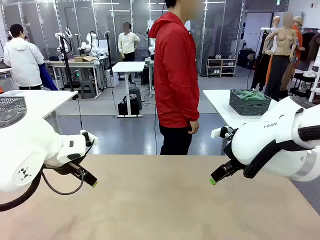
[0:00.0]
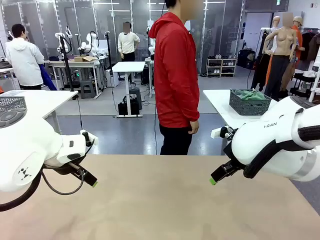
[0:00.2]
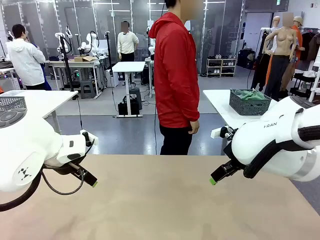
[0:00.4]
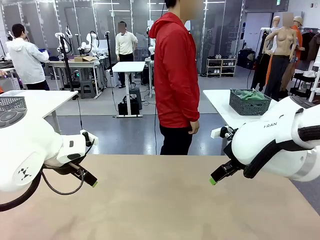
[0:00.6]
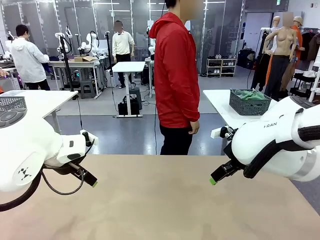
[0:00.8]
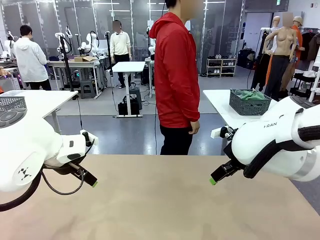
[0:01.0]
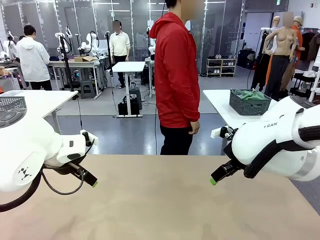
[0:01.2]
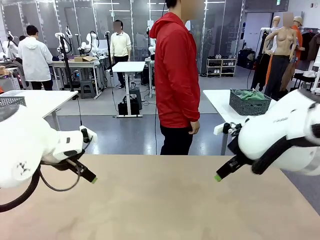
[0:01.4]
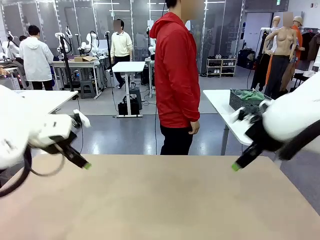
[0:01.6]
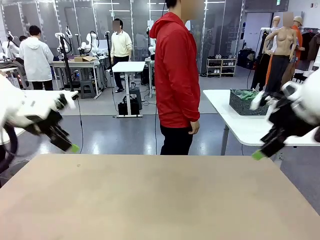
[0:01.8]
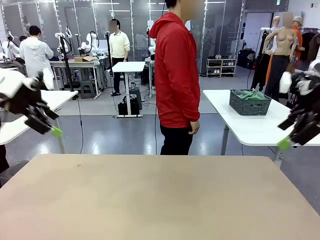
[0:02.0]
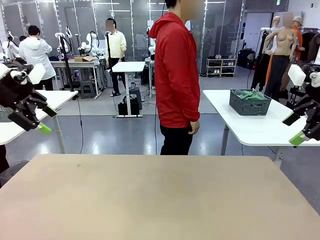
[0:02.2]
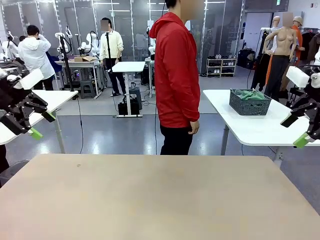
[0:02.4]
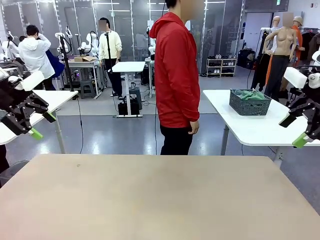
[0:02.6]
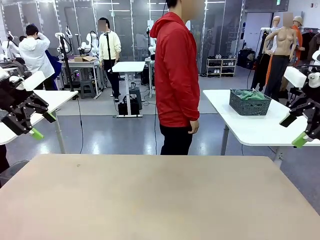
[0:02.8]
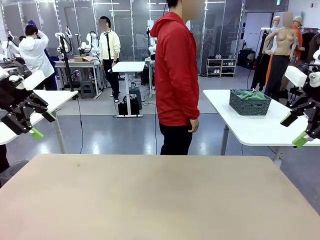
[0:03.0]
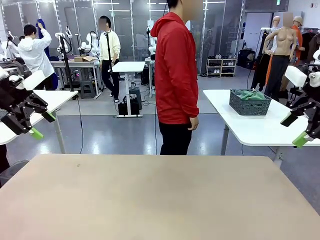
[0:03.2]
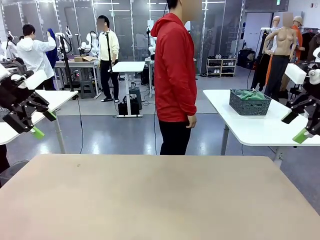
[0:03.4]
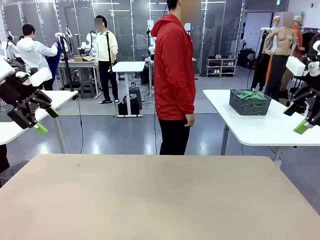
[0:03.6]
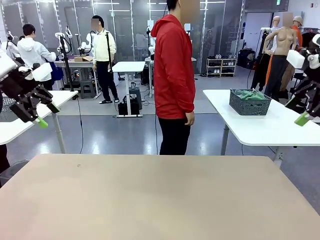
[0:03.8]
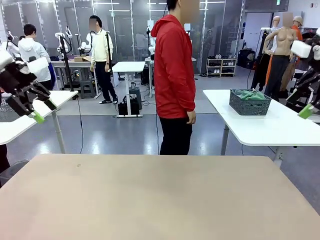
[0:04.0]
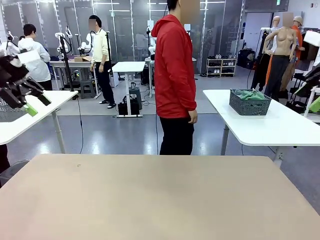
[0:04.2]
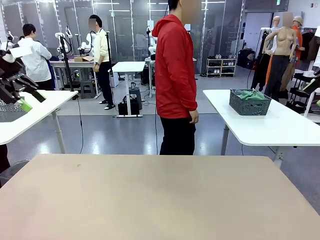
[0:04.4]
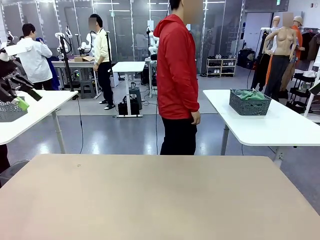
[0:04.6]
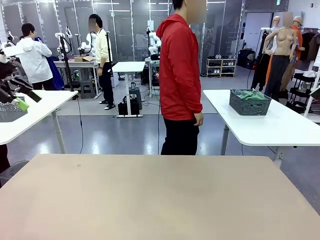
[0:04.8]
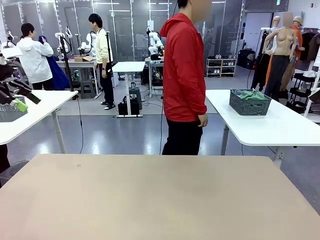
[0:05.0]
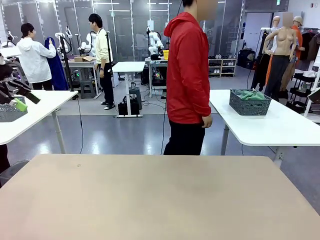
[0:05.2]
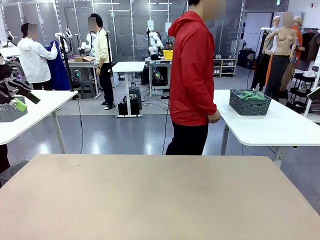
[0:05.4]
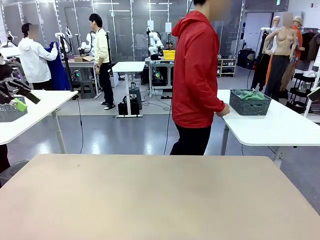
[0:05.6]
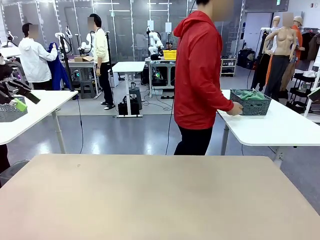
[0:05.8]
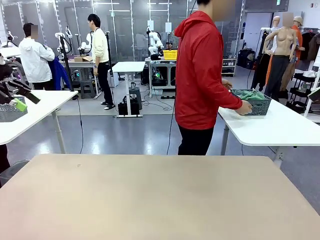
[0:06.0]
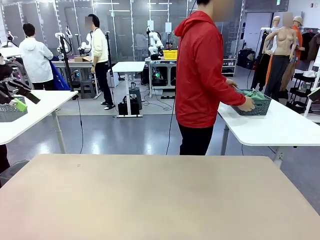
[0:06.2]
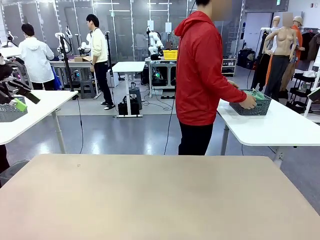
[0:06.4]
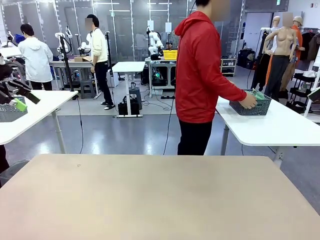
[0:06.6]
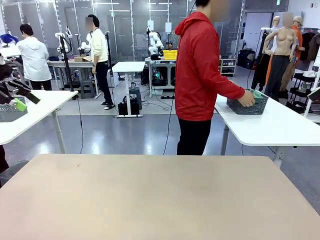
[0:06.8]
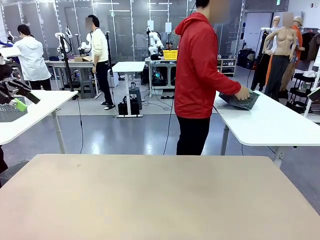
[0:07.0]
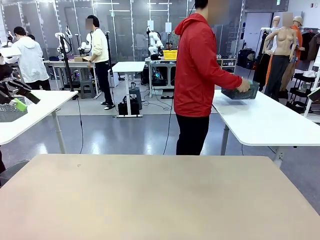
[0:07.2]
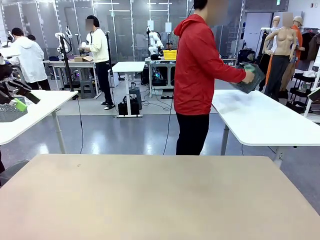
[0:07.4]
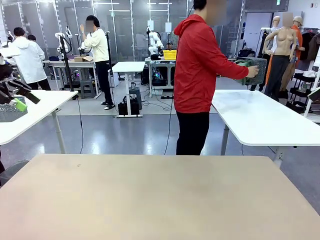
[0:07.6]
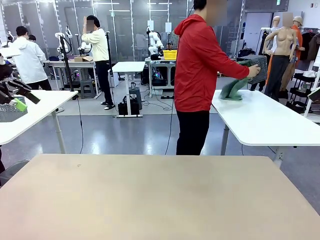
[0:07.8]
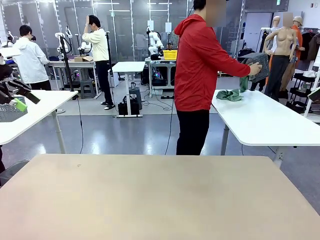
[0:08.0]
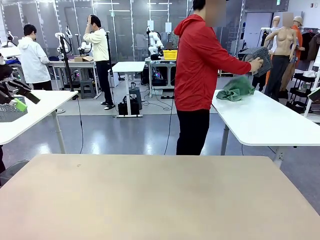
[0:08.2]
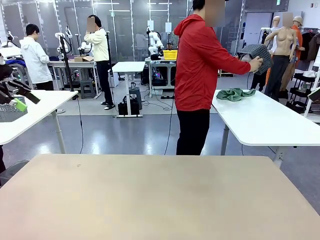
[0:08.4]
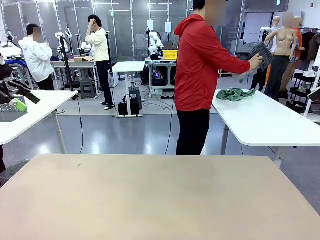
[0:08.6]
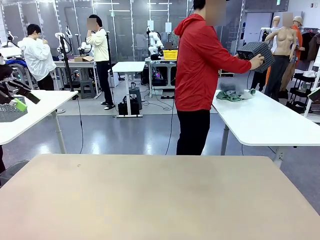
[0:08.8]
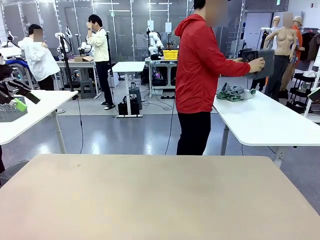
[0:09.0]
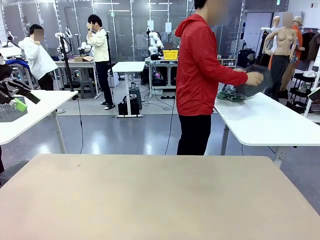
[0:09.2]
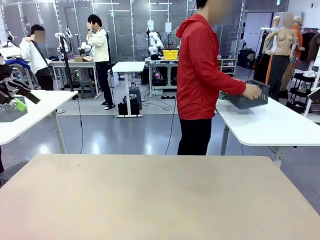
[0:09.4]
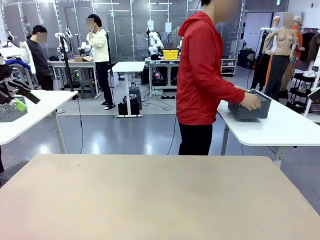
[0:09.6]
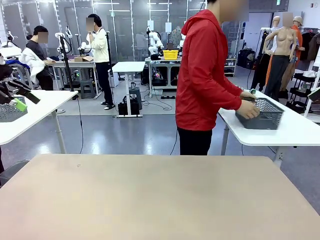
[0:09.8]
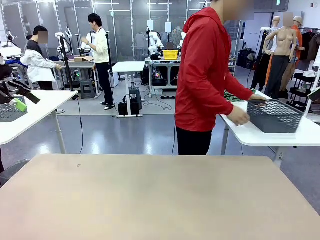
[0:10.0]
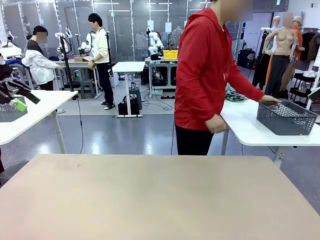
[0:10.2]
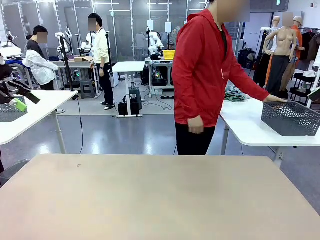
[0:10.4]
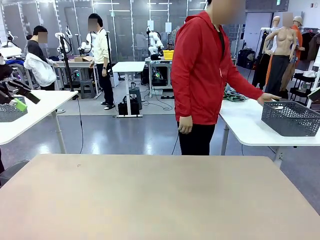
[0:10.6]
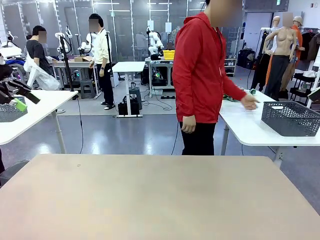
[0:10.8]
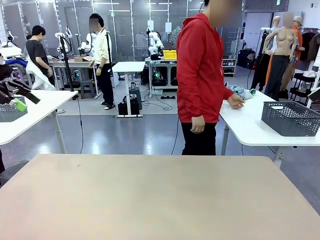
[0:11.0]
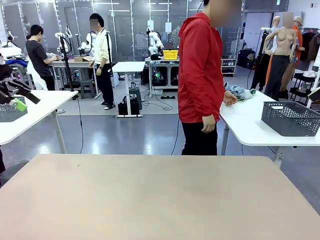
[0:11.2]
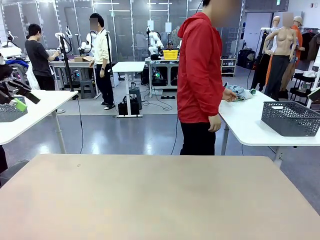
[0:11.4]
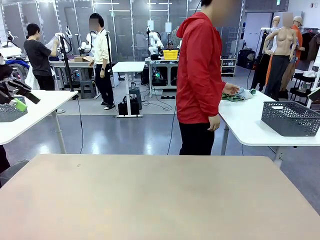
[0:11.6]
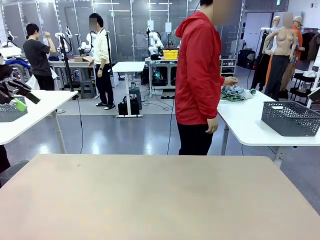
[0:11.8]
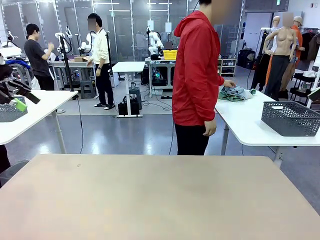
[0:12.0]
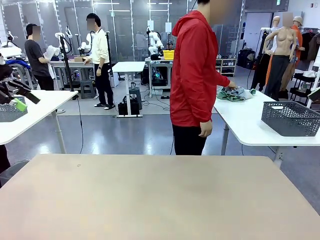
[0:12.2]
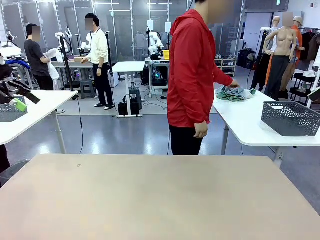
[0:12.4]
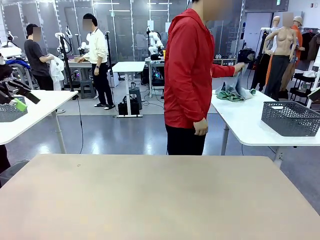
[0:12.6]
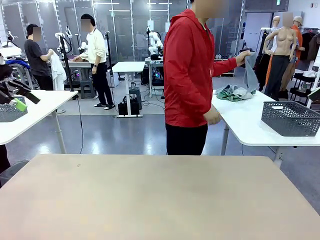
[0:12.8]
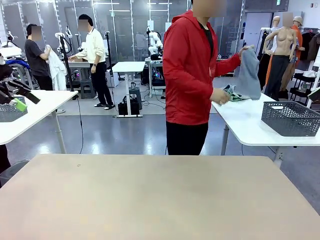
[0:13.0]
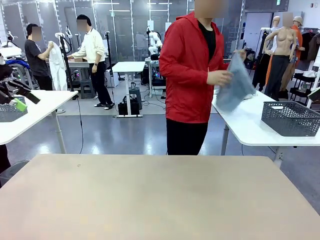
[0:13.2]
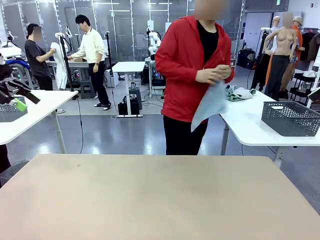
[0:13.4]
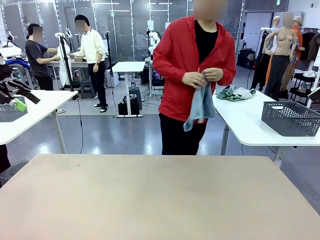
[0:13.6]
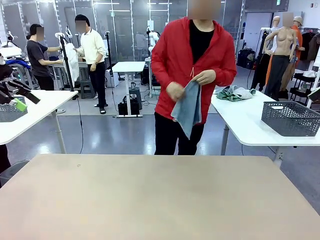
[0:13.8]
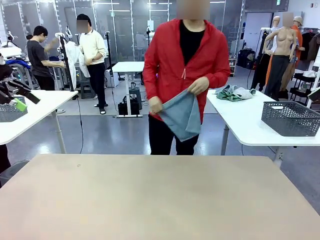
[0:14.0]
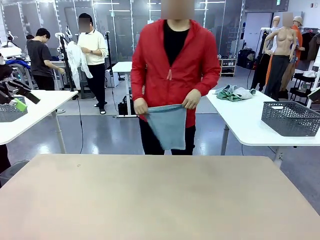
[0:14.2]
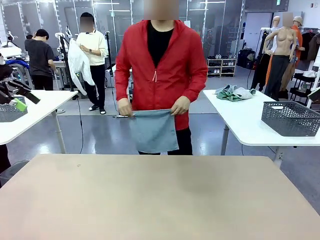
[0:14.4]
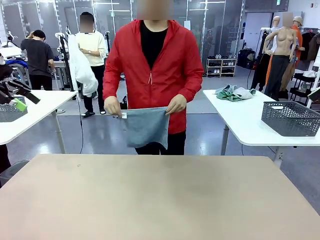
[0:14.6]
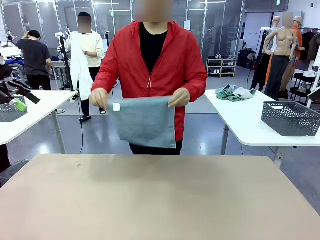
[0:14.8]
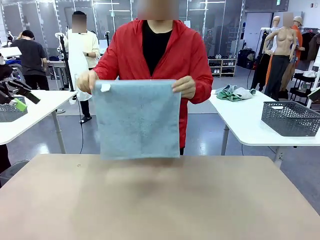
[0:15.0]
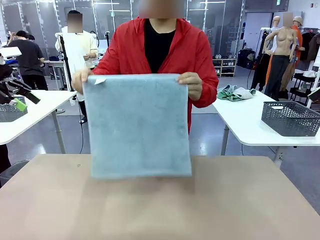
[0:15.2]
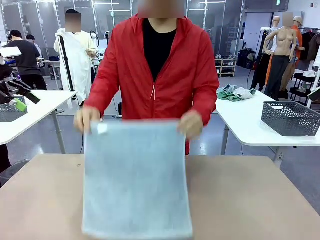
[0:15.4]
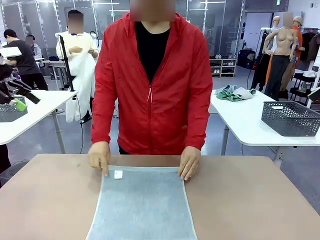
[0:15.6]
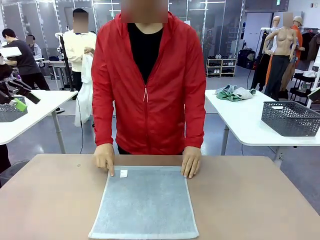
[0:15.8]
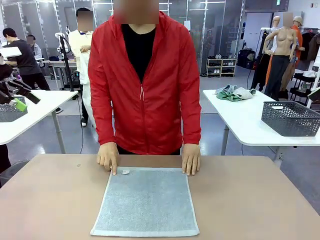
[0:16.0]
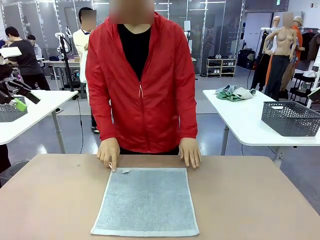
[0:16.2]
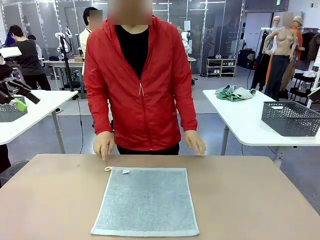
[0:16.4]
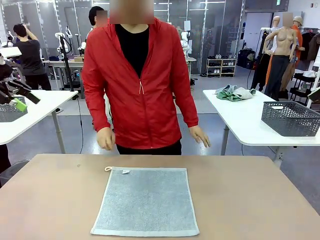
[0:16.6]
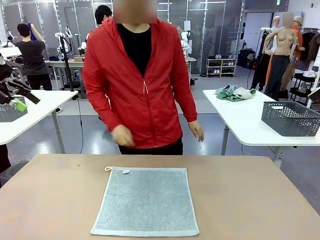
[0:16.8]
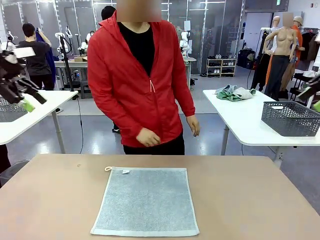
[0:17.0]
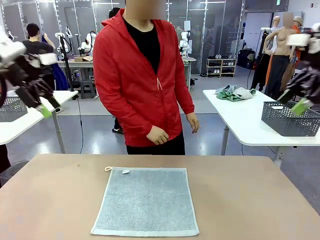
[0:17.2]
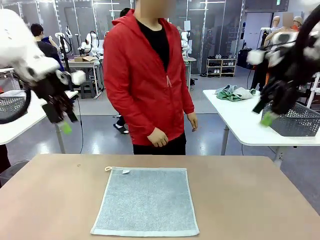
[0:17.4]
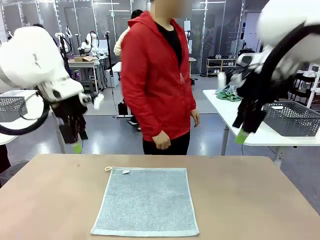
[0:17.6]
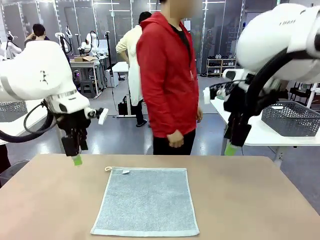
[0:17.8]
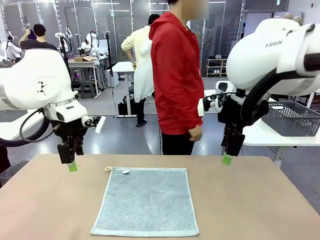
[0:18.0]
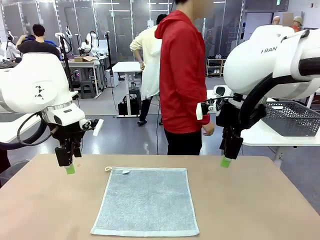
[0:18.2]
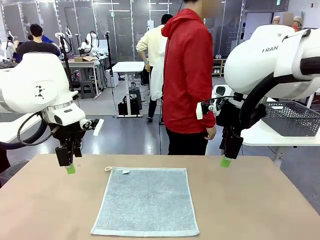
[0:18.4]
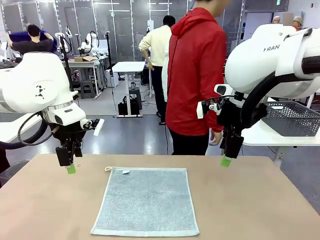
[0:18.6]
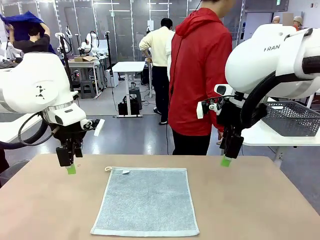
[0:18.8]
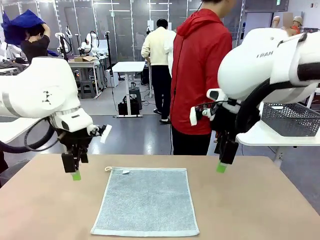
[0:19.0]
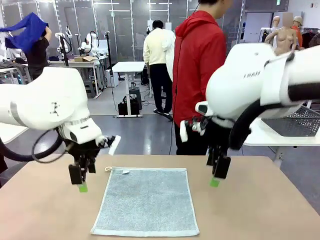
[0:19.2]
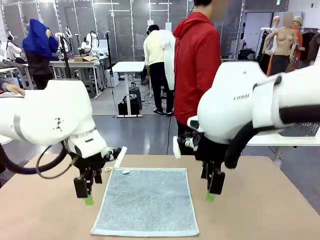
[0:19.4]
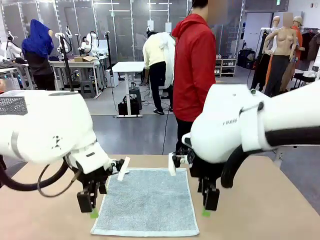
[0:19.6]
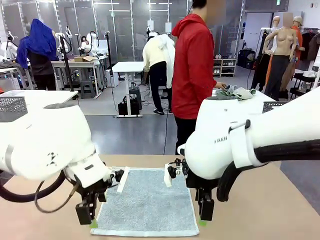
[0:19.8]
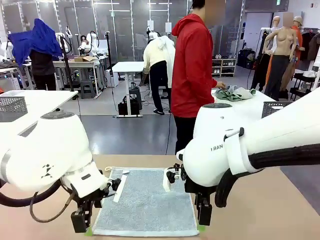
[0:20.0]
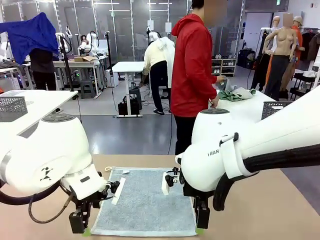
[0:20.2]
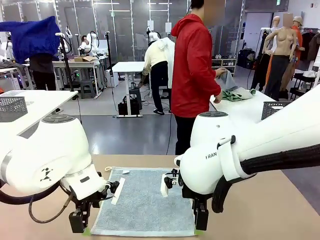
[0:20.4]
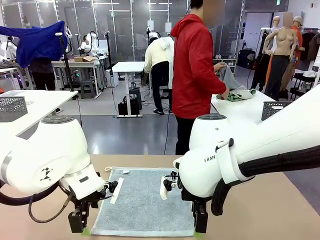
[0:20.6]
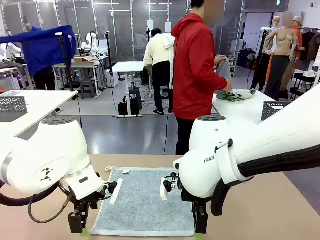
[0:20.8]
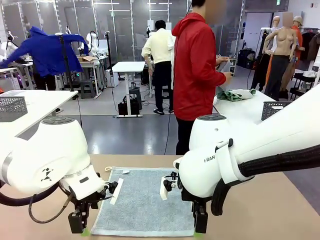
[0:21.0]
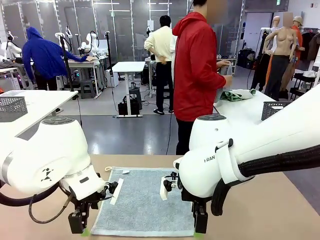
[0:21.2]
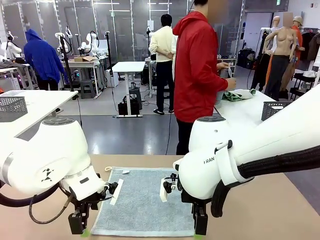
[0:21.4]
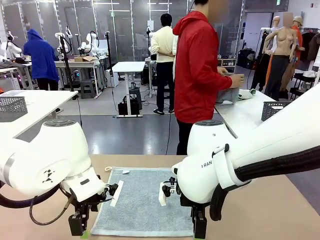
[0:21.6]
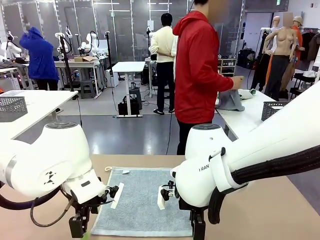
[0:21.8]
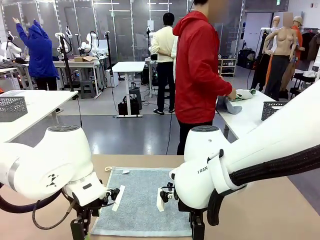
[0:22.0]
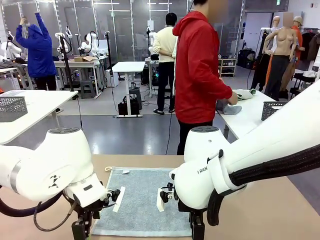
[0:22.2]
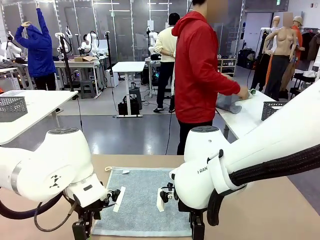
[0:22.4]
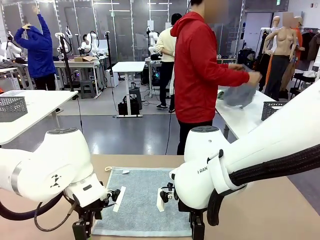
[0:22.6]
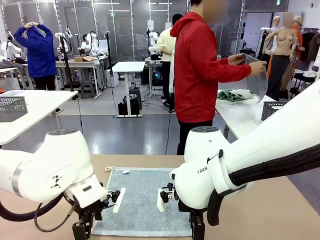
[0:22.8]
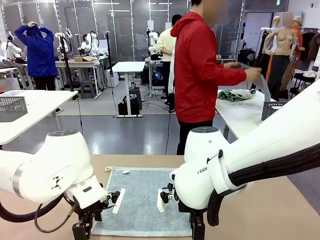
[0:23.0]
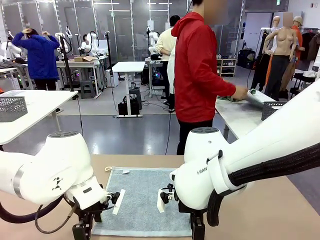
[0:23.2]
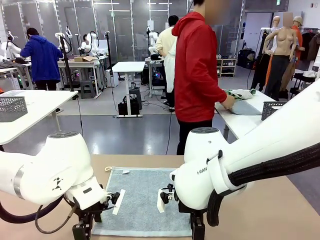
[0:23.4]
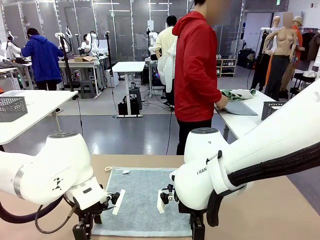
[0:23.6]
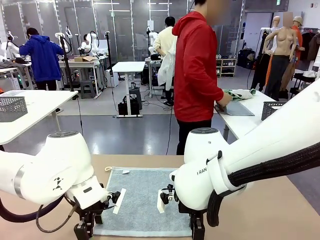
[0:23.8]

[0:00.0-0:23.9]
Task: Fold the towels and place them in the basket.
Robot: When a person lays out a Towel with hook on the table, fold it in half twice.
Person: Pick up the basket, pour the towels onto the left side of the human table, and place the basket on the right side. Pick up one towel and spread it out at the center of the robot table. Pick up one towel from the left side of the human table, fold it in half twice, and place it on the right side of the table.
